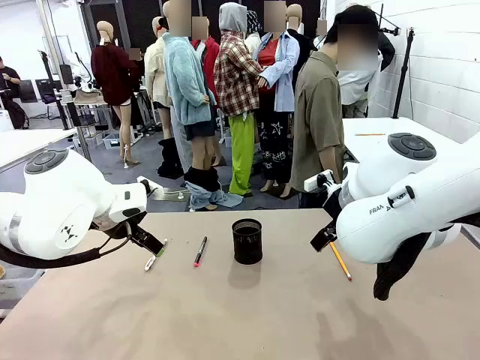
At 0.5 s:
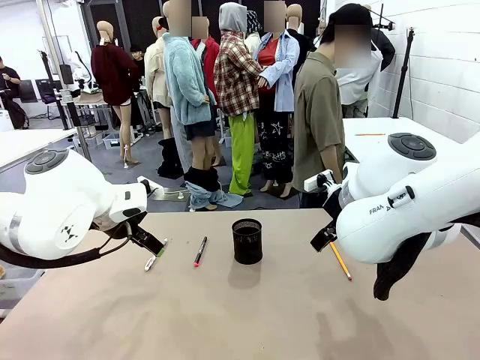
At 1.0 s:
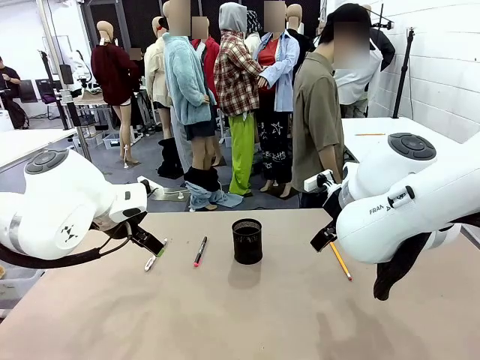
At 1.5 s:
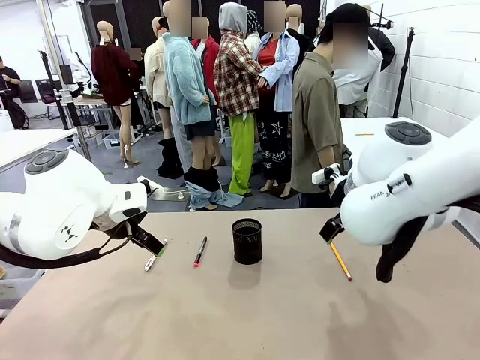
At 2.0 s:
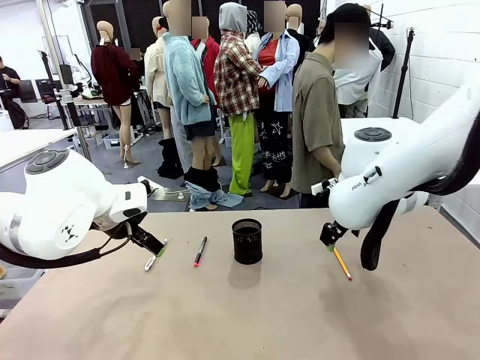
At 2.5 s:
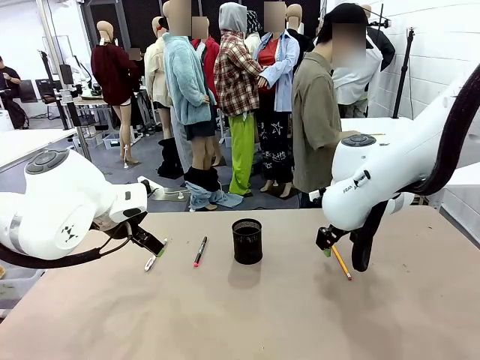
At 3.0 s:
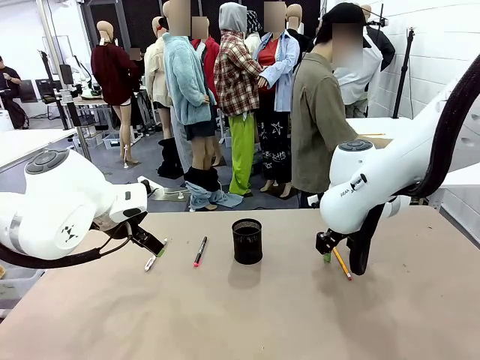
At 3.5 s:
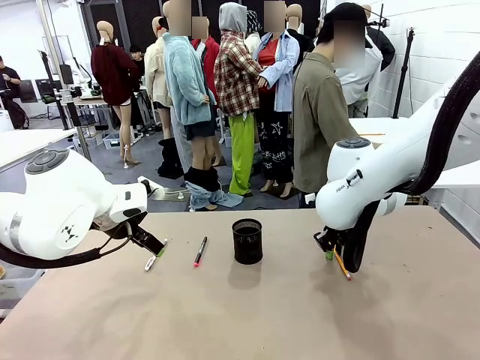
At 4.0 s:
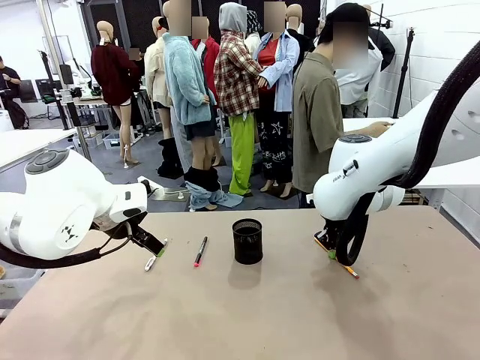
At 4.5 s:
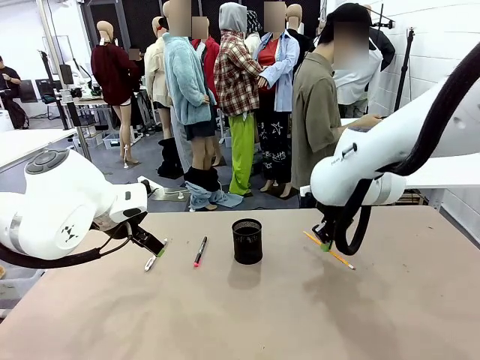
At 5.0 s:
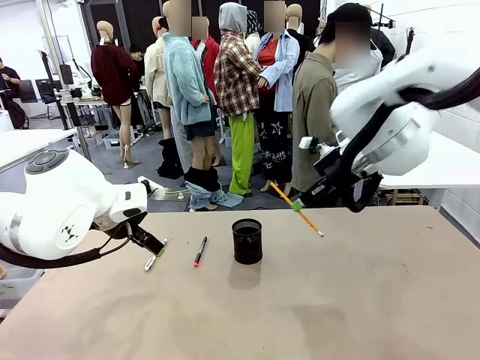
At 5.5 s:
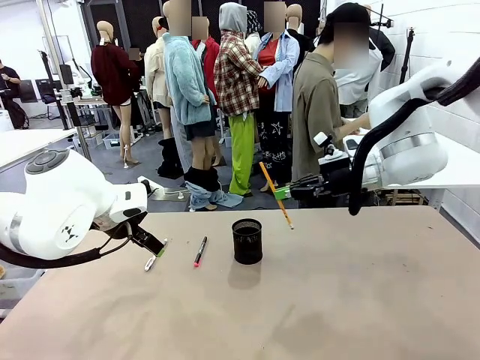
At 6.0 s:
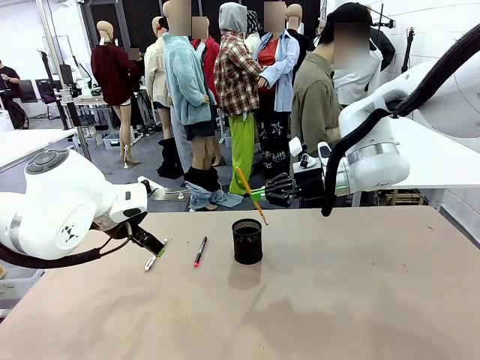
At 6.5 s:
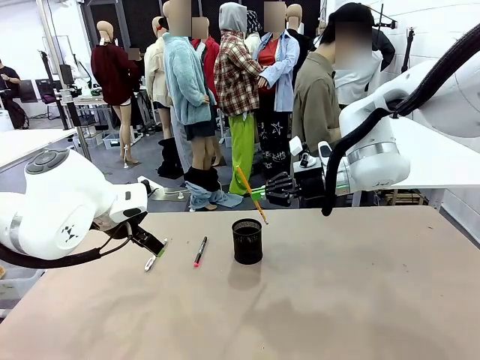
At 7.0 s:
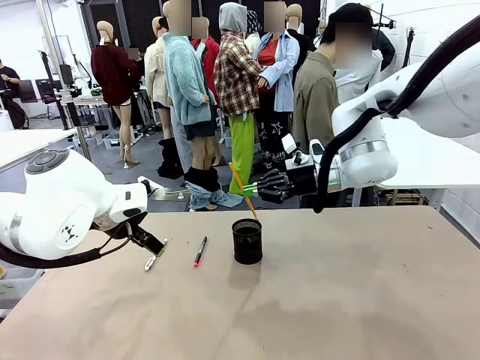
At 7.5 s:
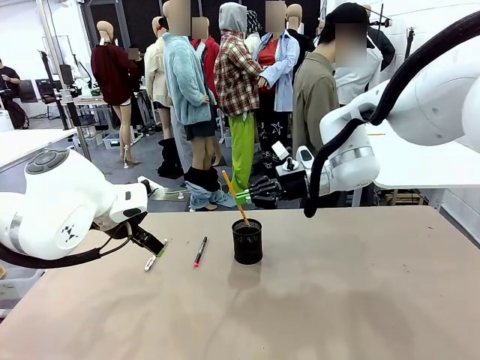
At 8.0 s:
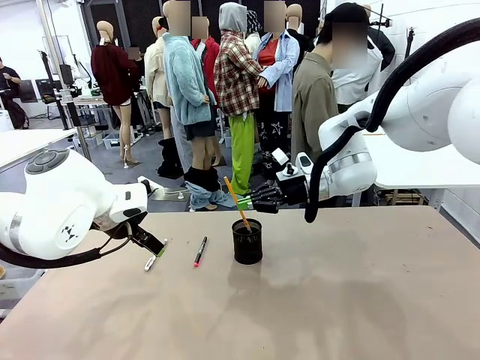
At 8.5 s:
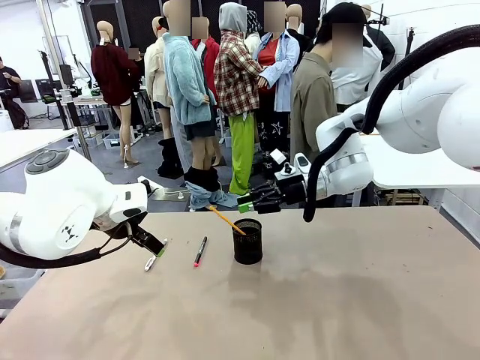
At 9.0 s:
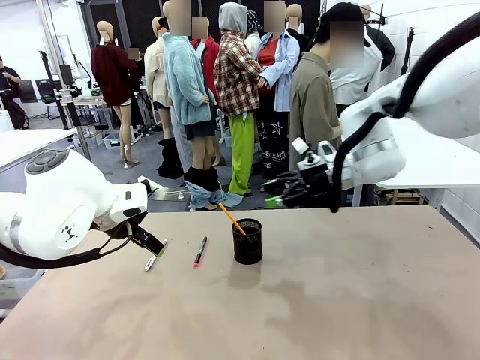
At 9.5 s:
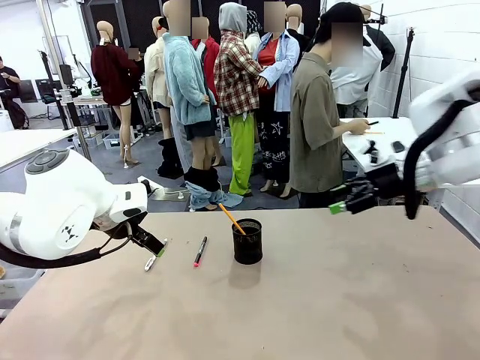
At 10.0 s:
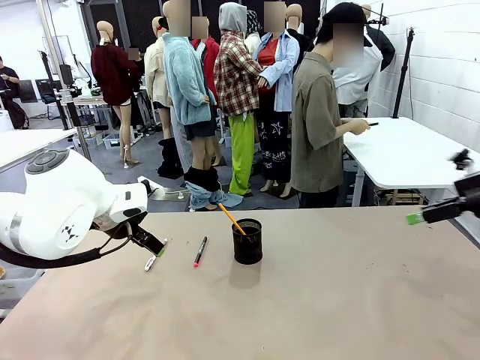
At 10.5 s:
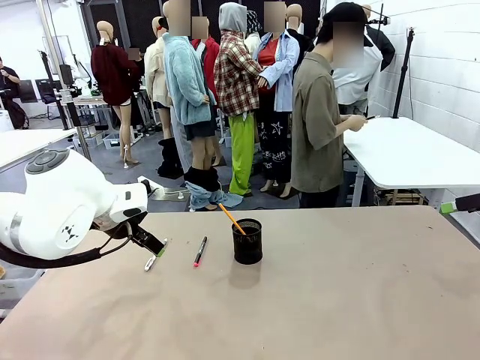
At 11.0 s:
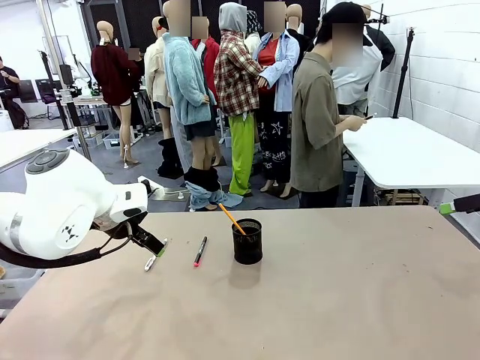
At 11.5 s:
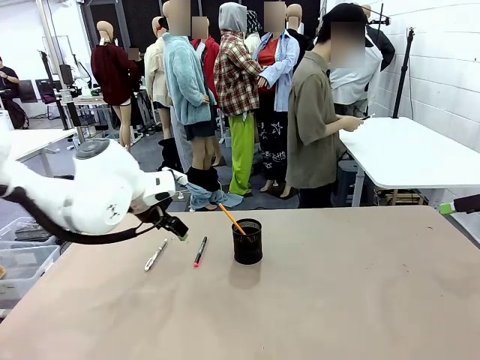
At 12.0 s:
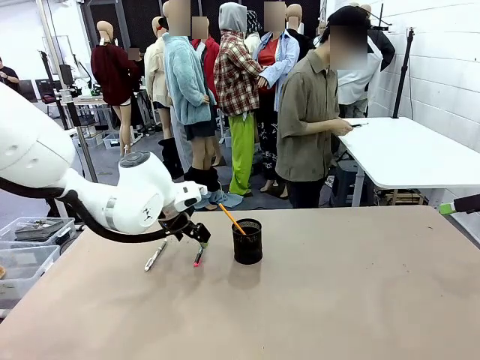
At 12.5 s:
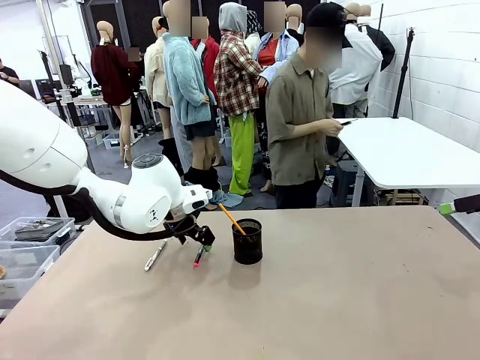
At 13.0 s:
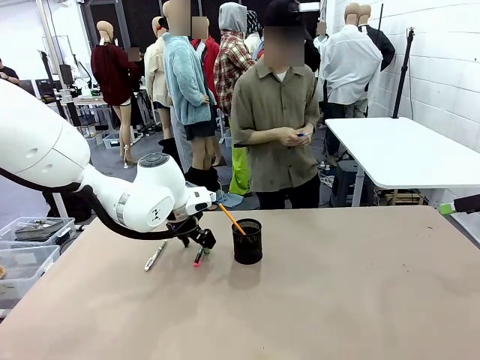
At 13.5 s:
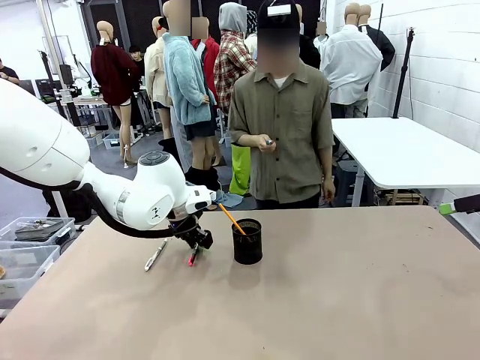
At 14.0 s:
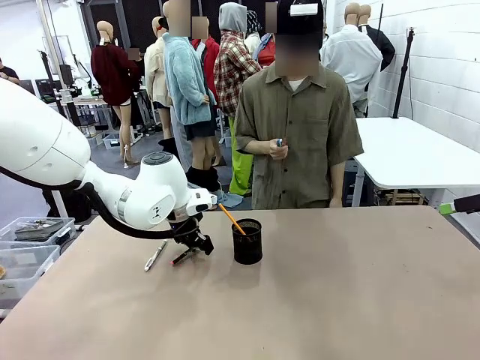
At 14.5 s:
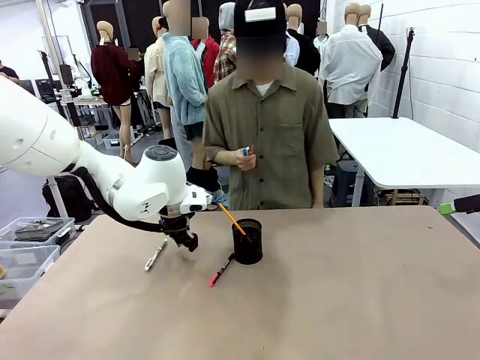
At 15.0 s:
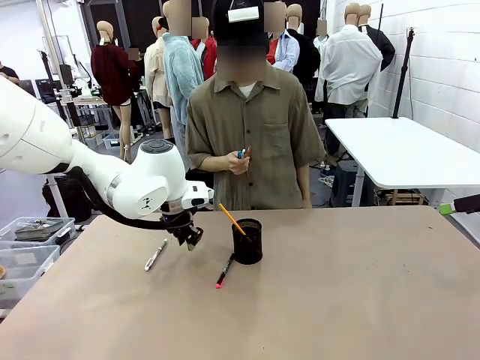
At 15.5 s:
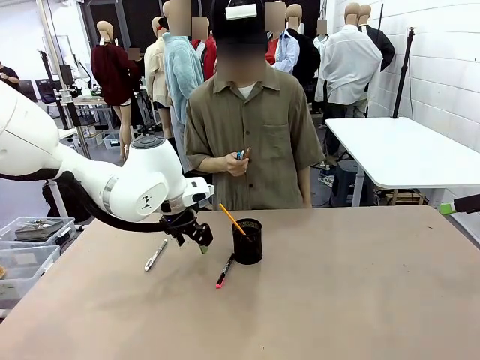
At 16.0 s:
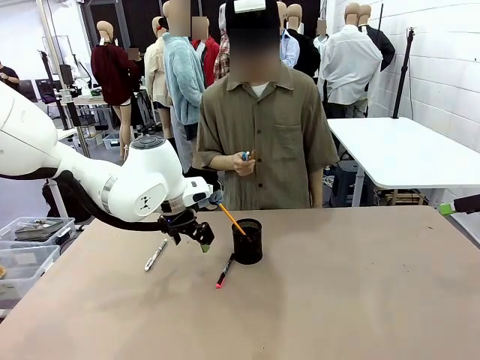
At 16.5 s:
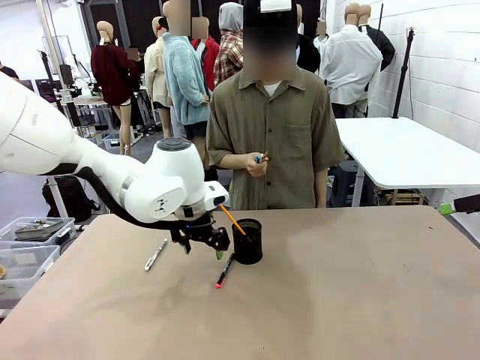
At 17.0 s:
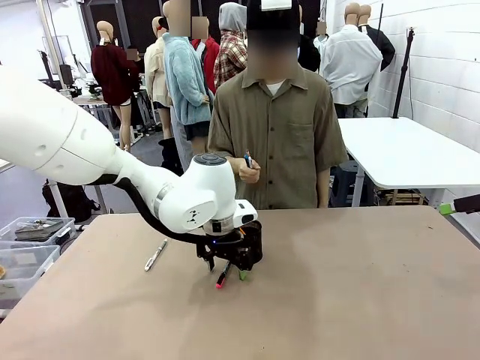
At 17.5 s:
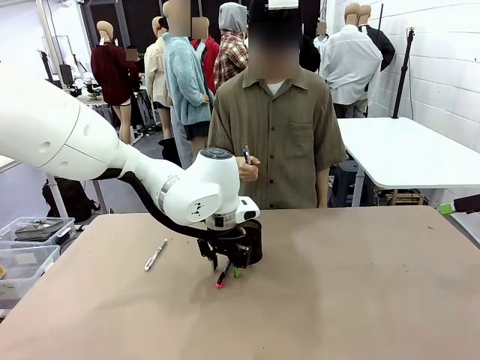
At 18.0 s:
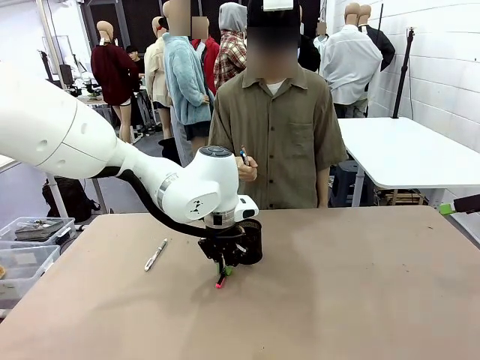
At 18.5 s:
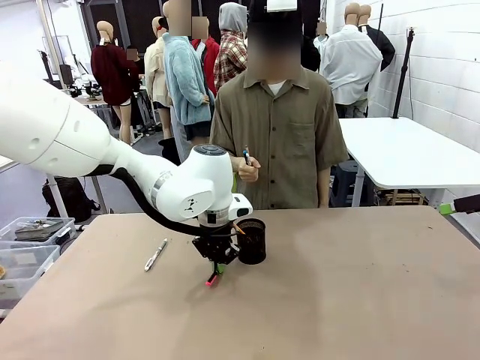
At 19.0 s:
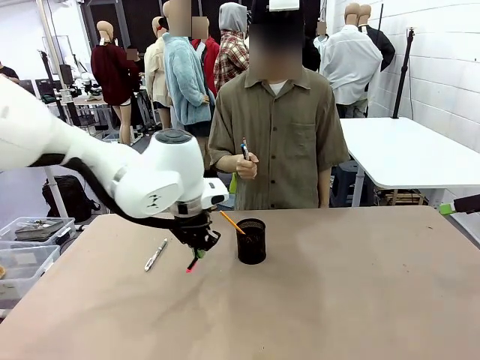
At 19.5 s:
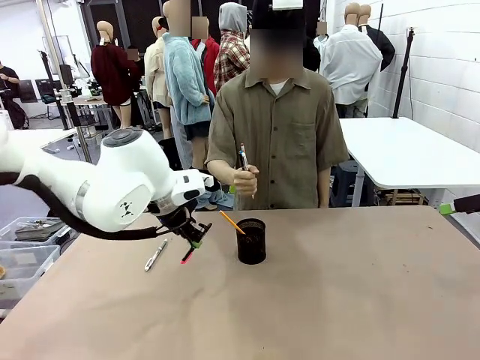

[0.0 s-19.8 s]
Task: Place the pens into the pen holder.
Robot: Pick up a writing instrument from the table and place it into the Pen holder.
Person: Pick up all writing instruments from the Human table.

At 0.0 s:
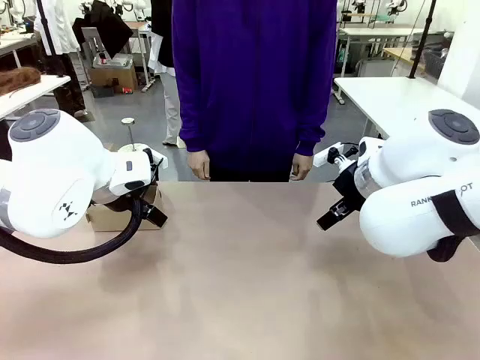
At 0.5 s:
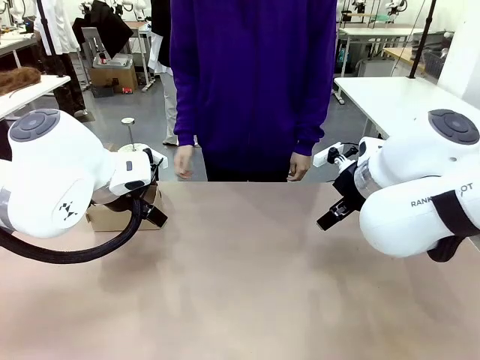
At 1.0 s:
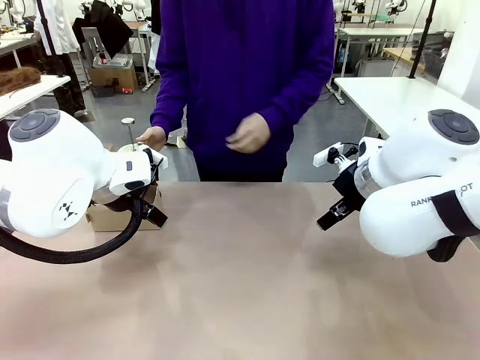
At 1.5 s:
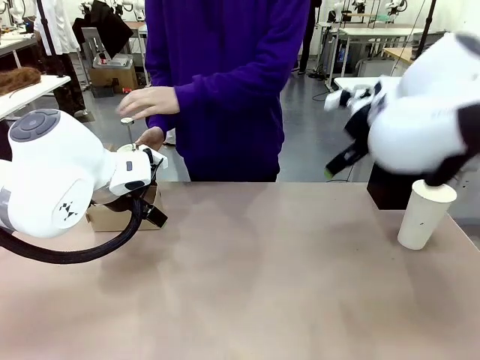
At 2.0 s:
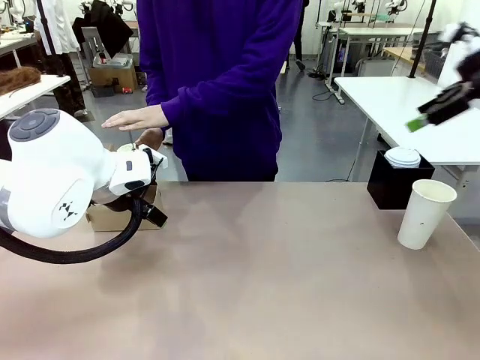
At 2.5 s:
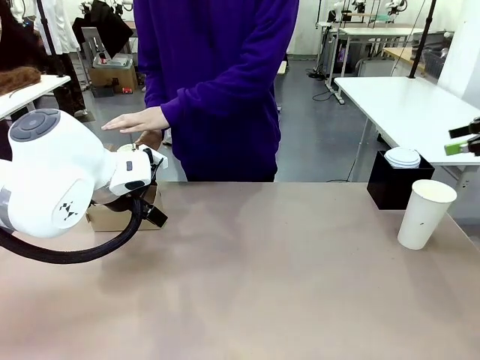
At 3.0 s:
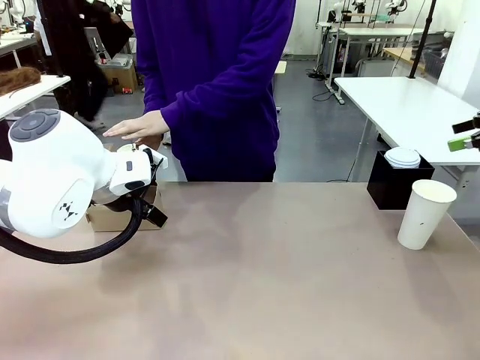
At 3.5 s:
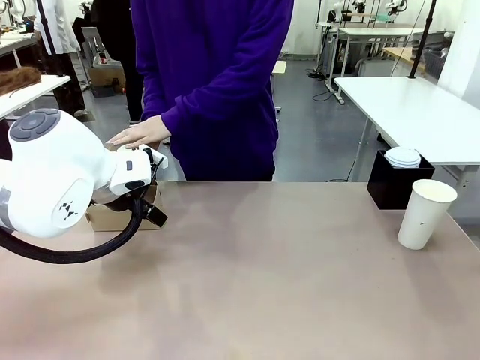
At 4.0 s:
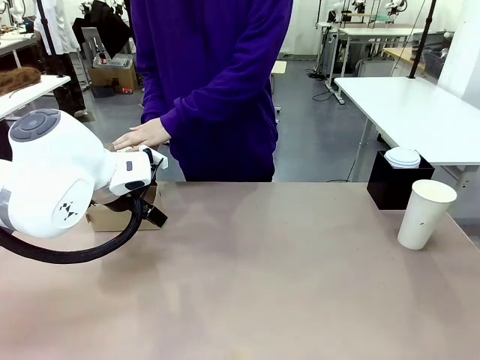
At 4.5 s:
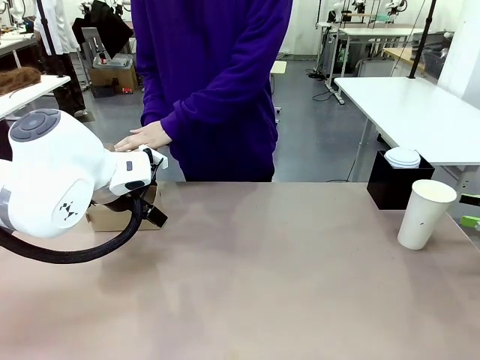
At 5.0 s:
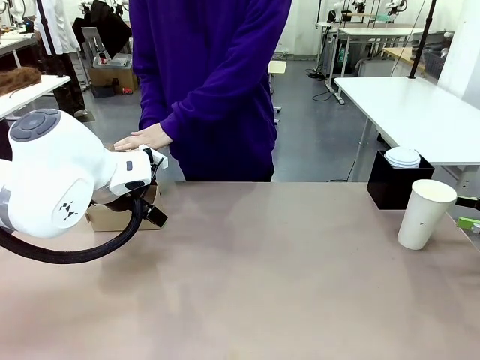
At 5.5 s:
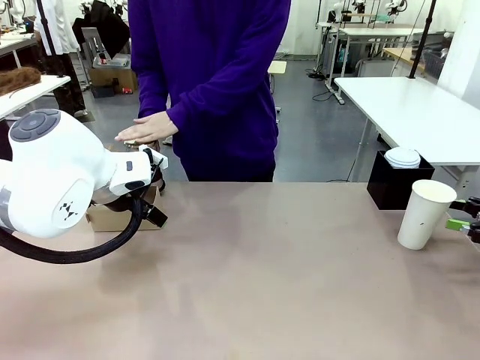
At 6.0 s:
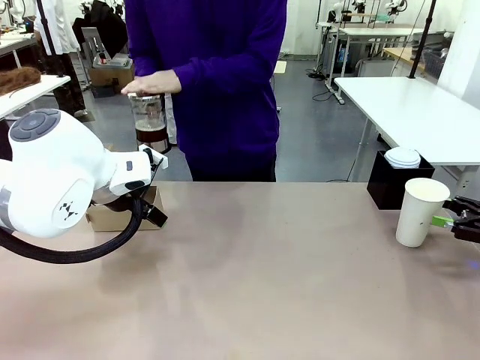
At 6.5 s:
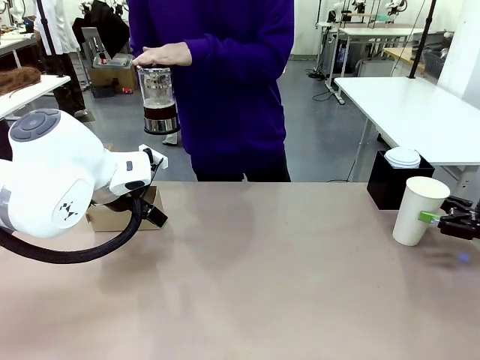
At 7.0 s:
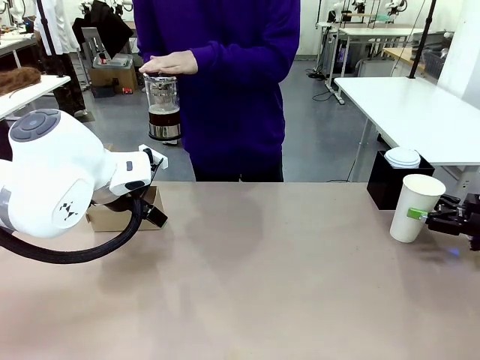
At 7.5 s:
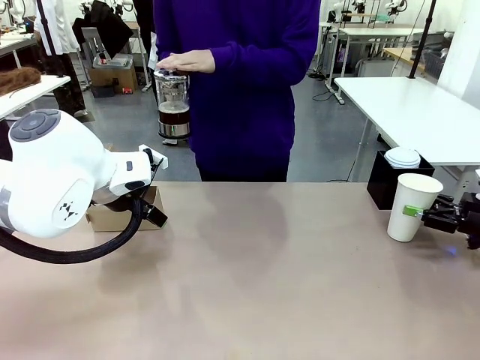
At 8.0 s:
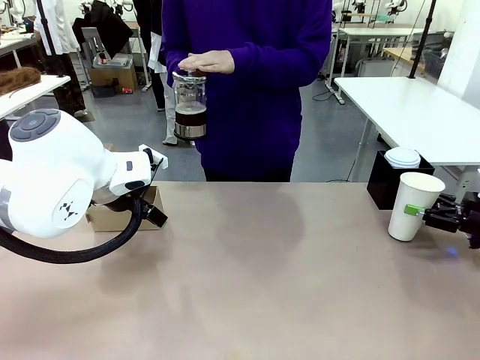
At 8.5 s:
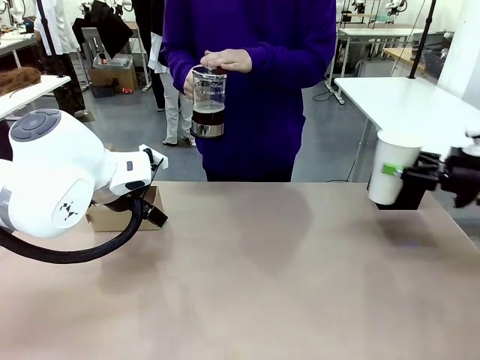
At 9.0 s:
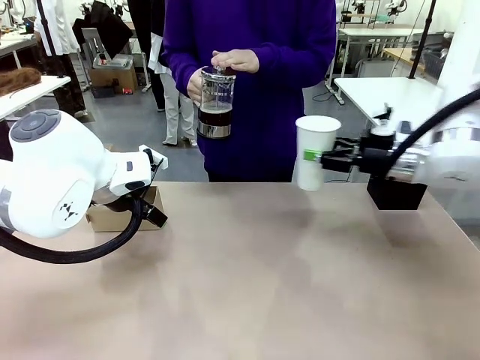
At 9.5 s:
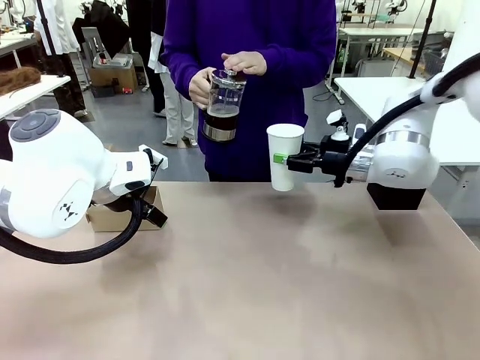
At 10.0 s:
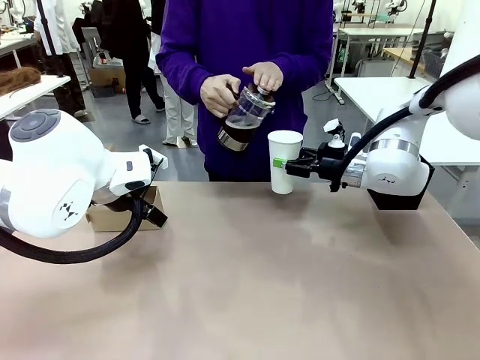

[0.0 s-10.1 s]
Task: Pour a drink into a cup and package it in a carrier.
Robot: Pick up the 600 ml Paper Cup and place it in the middle top area of the table.
Person: Press and pick up the Filter Brewing.
